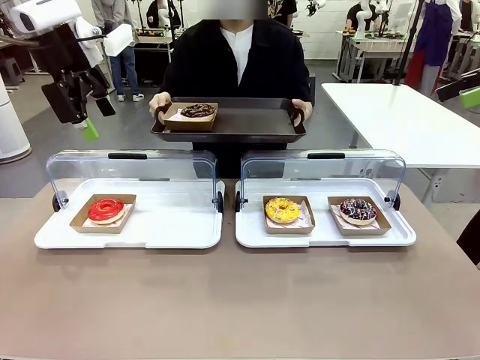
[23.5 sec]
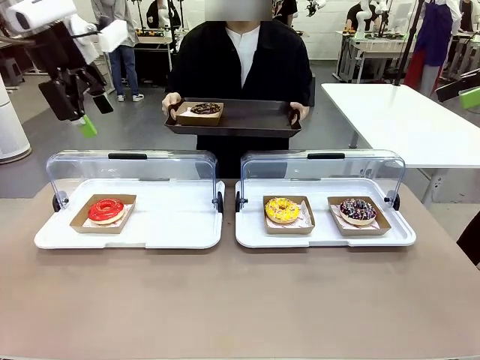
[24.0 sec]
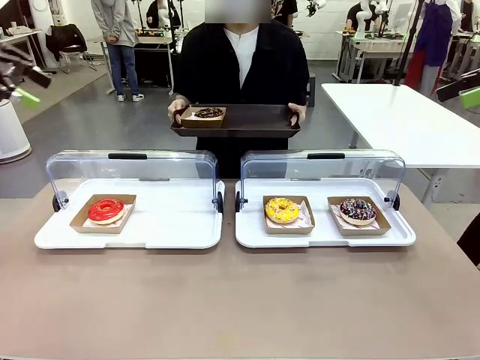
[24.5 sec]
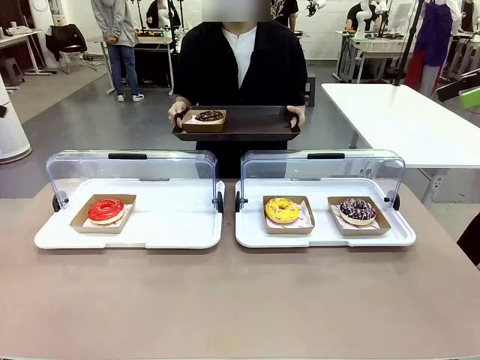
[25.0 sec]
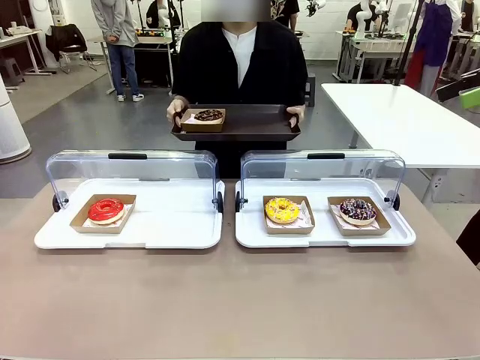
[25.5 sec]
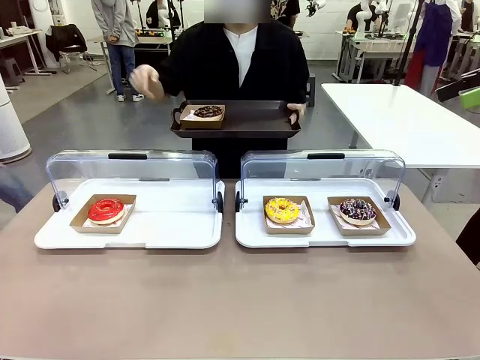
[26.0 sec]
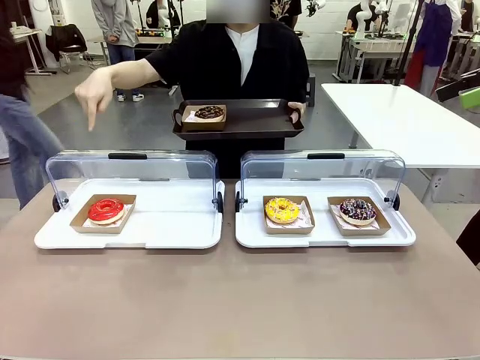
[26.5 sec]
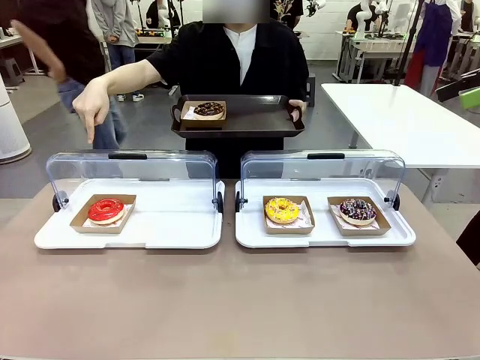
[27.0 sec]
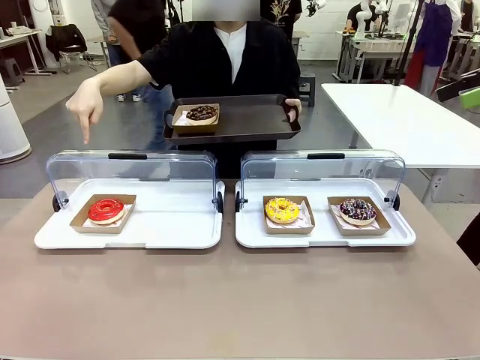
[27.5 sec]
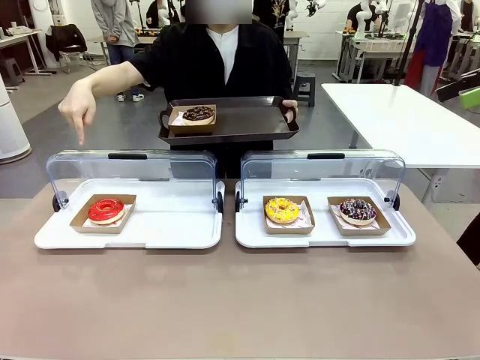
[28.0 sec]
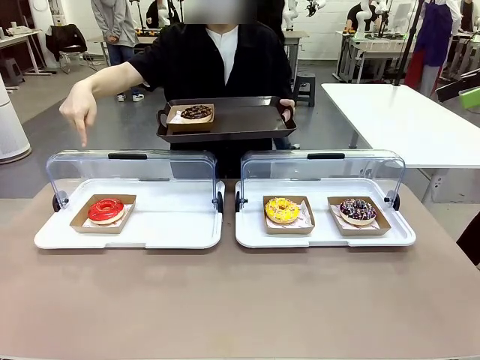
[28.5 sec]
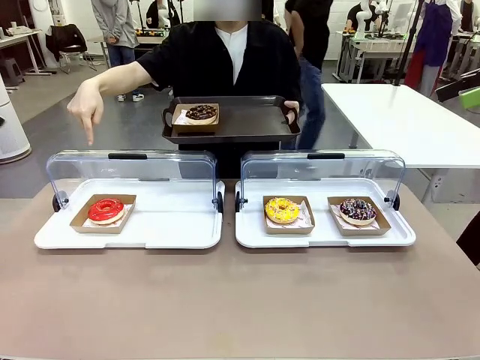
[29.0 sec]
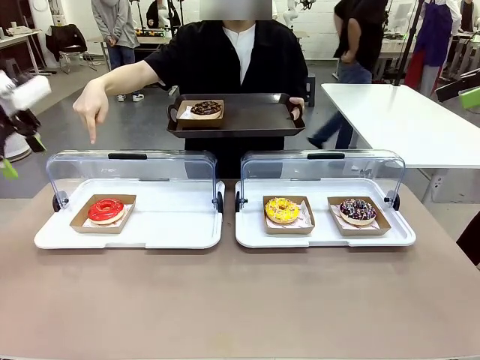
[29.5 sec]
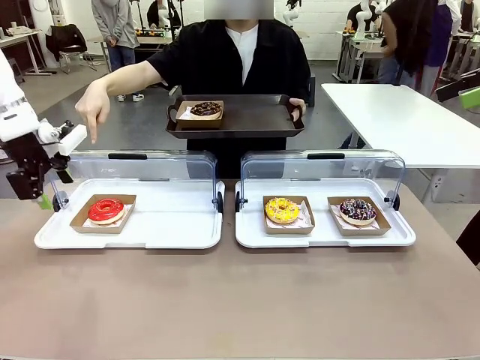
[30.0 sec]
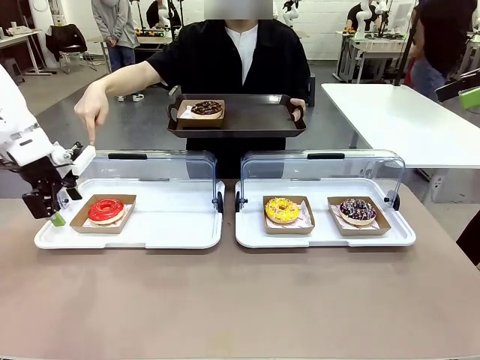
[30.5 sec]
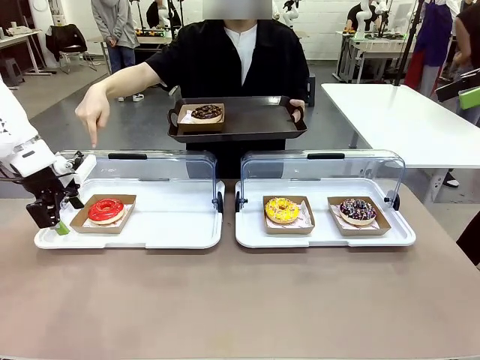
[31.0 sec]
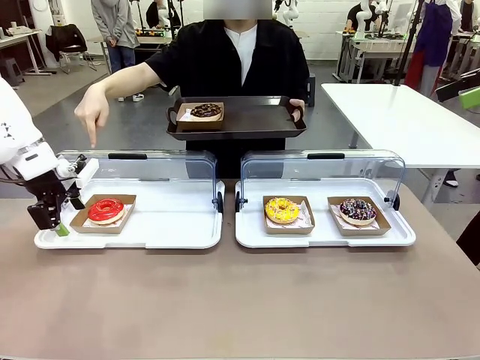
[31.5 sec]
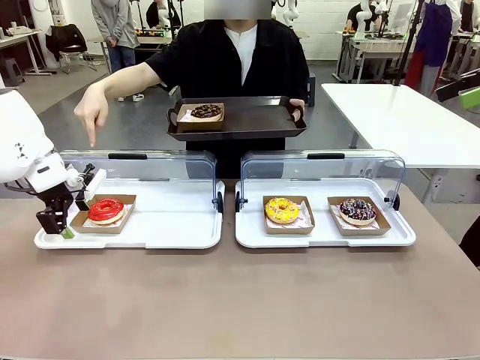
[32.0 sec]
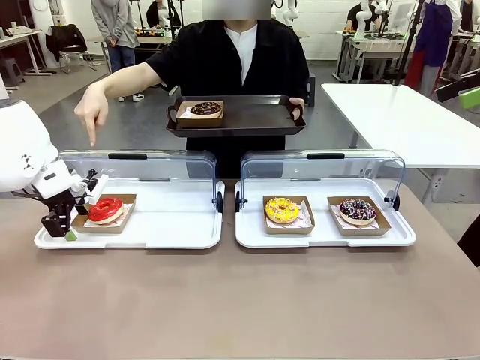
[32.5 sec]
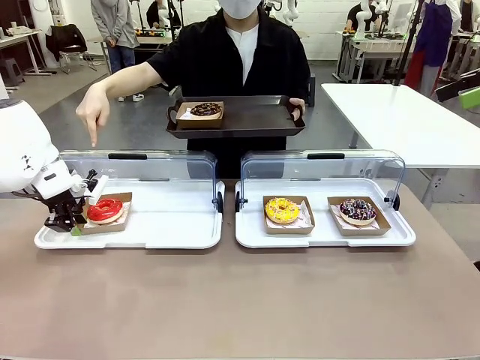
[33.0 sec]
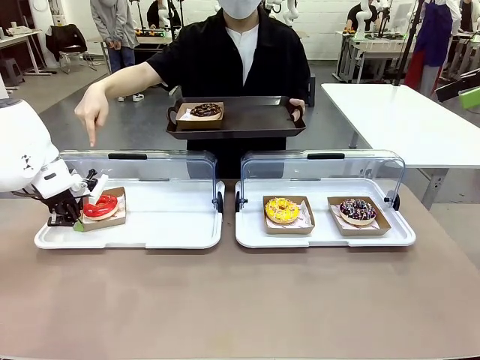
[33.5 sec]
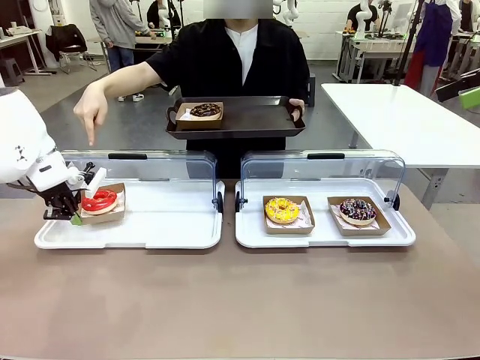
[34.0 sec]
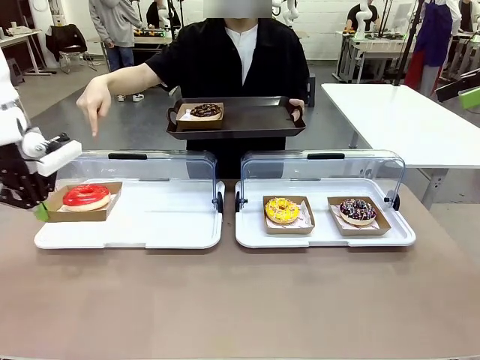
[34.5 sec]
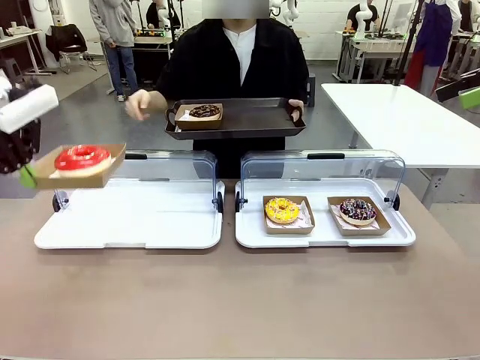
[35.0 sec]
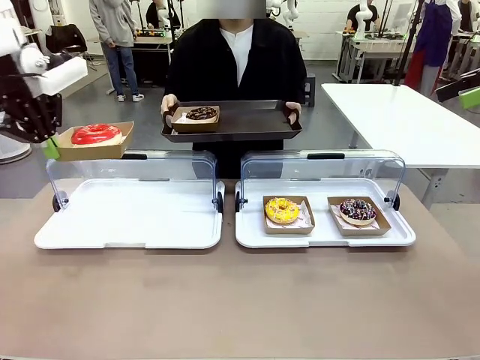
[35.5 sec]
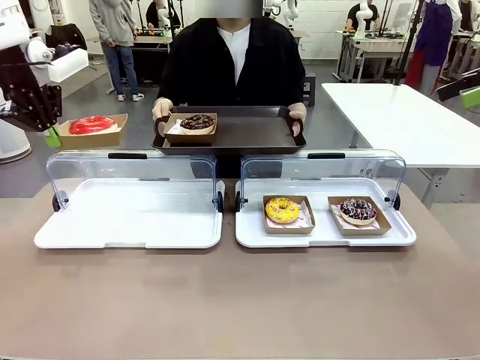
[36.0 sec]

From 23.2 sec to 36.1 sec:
Task: Provide the desired donut to the person.
Robot: Pick up and lift the Paper togo box containing the Donut pointed at by the person.
Person: Point to one donut. Lift the tray onto the Roll-Top Bakery Case.

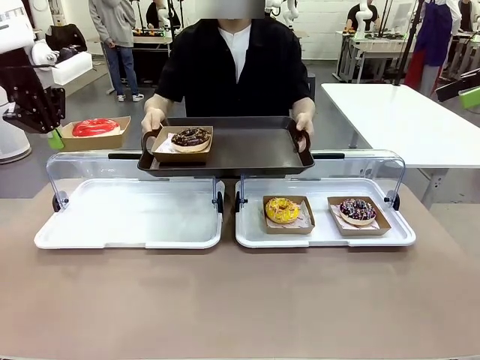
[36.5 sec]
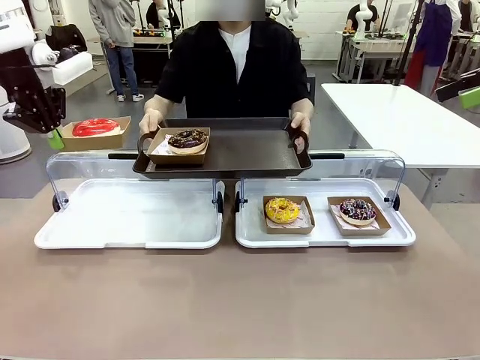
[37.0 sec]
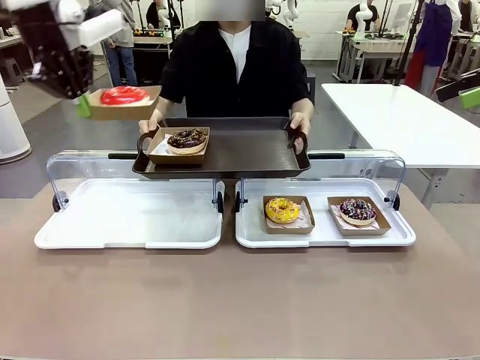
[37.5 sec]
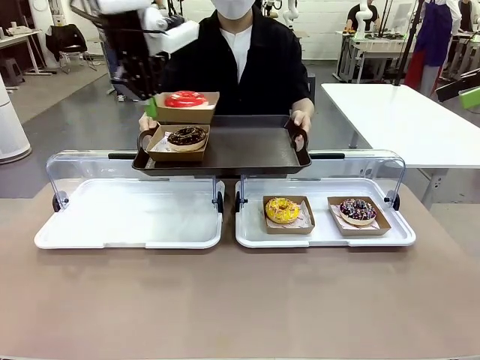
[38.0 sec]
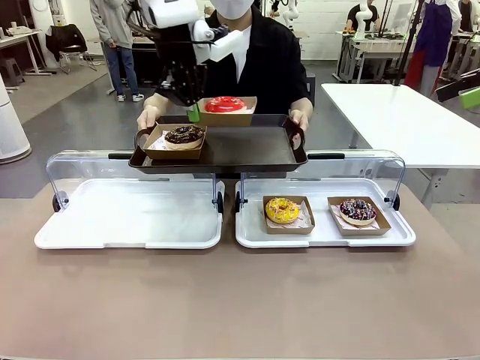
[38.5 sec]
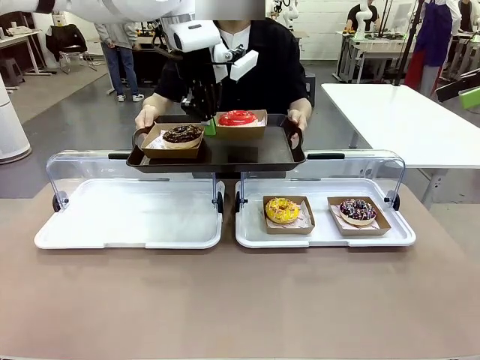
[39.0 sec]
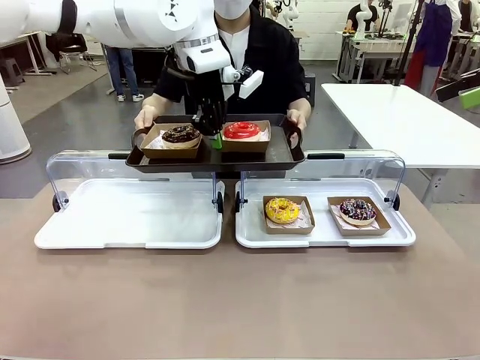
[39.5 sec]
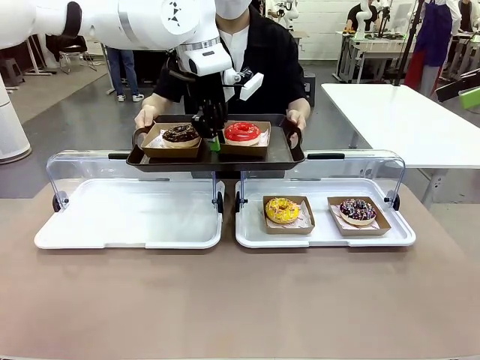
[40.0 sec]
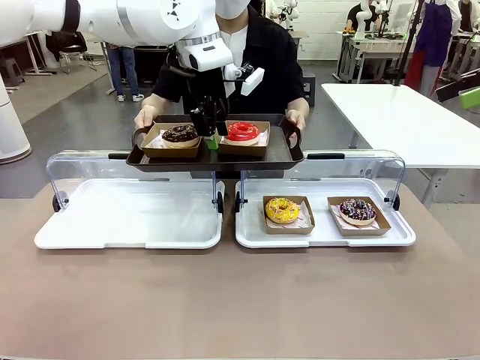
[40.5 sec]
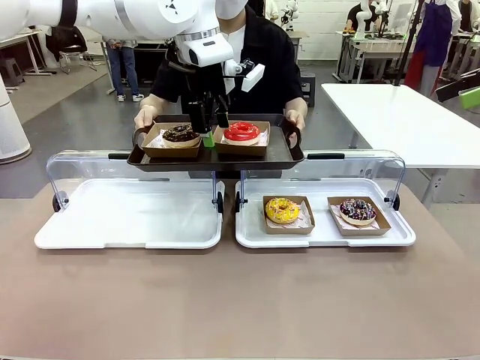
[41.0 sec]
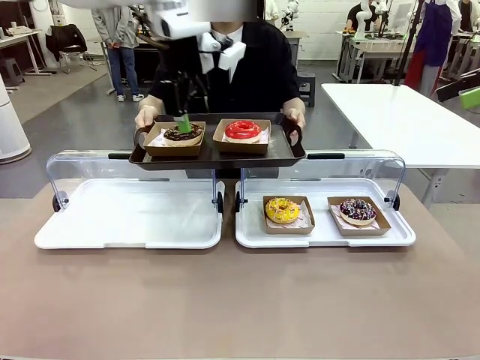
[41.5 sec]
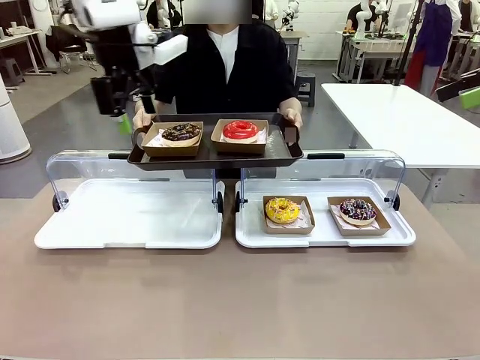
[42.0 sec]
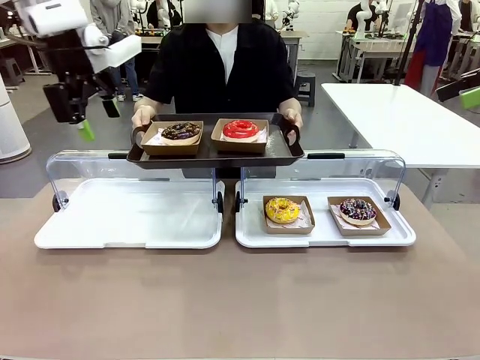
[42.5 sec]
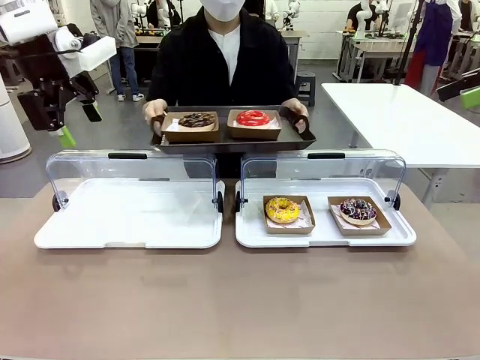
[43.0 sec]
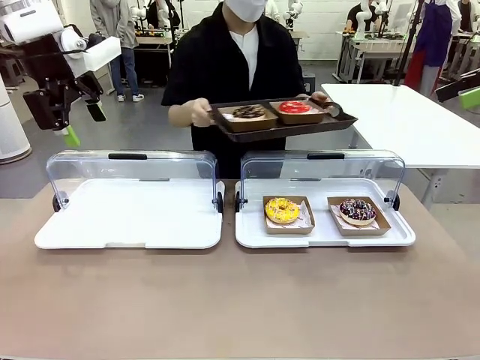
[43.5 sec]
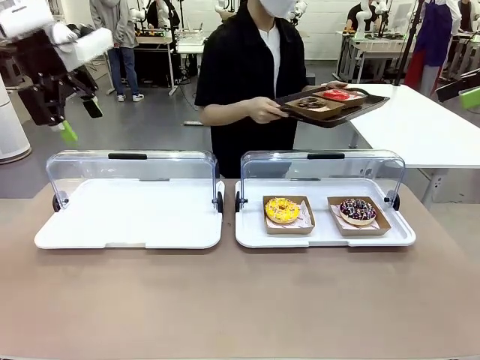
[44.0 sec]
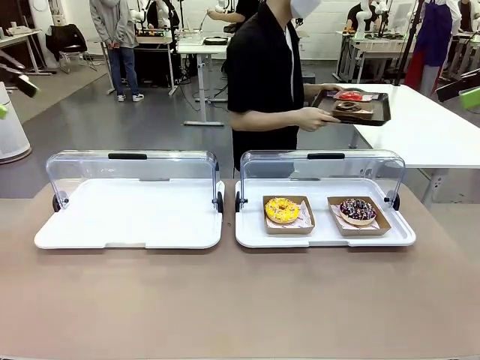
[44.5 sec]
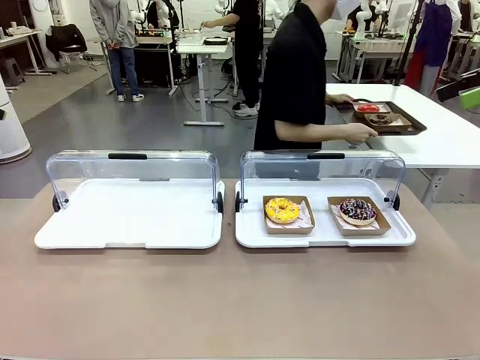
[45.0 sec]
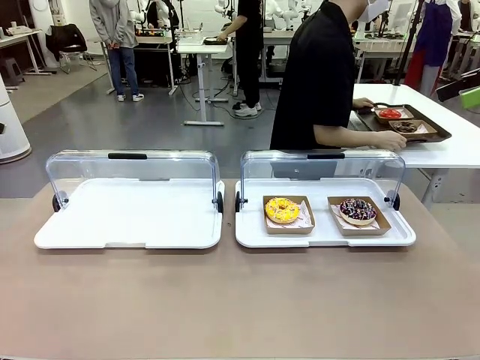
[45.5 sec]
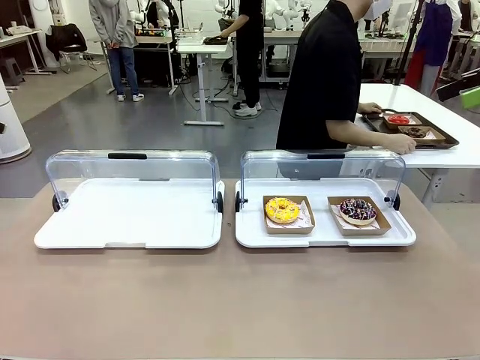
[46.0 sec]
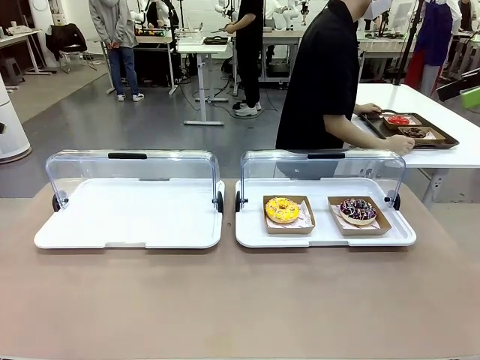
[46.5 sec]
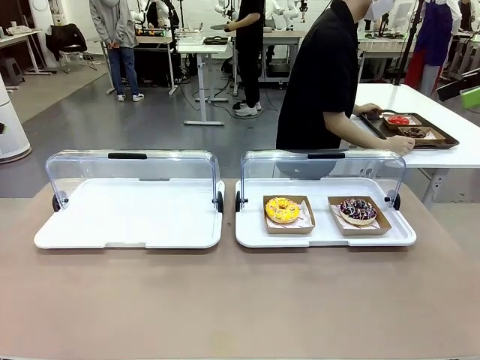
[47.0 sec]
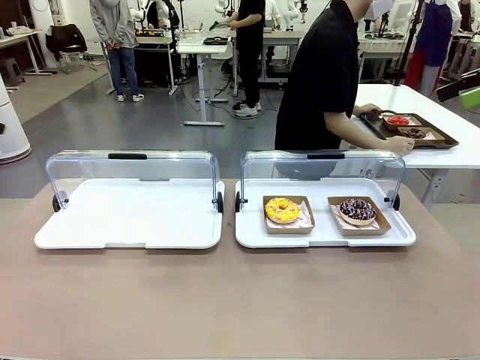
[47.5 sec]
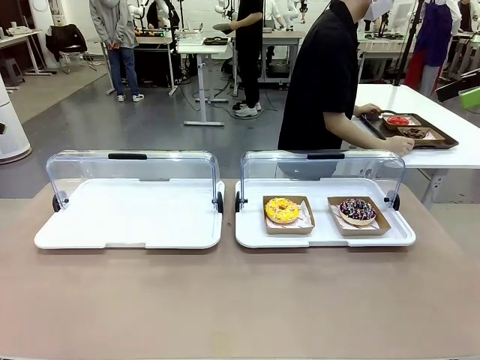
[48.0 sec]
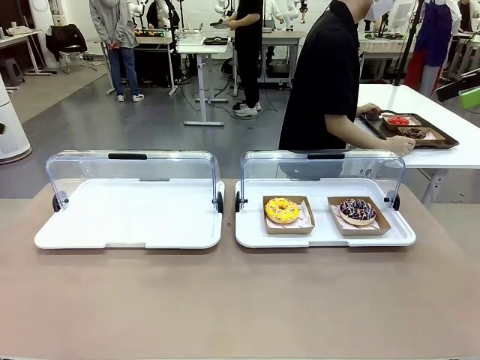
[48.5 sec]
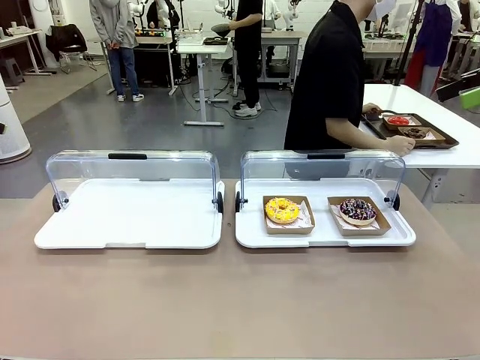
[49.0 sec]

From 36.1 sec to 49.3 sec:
Robot: Place the picked Paper togo box onto the Handle tray extended by the person.
Person: Place the tray in the middle of the human table.
